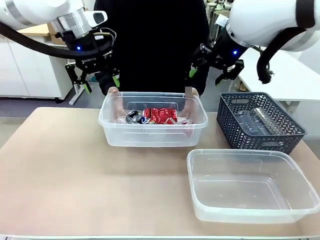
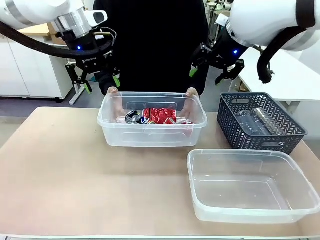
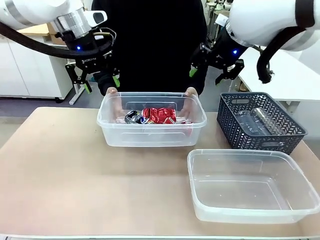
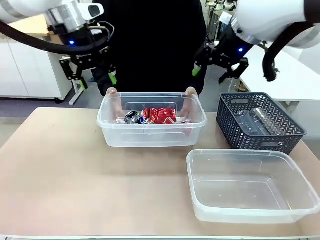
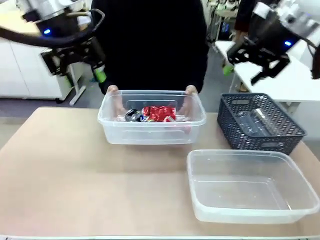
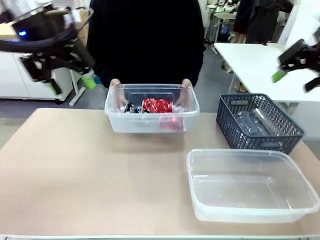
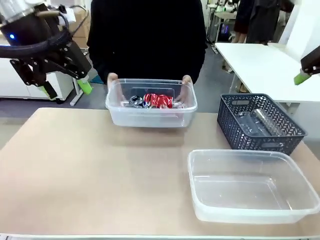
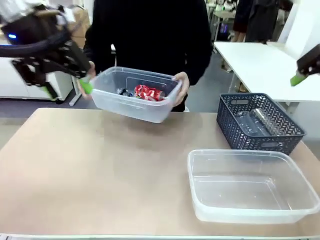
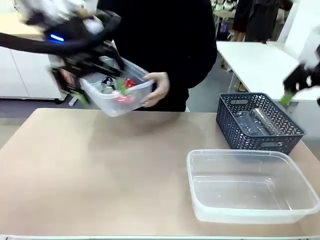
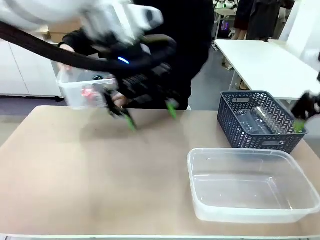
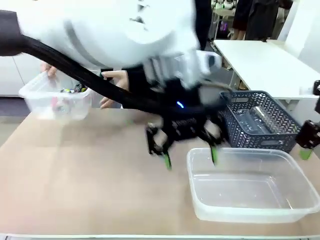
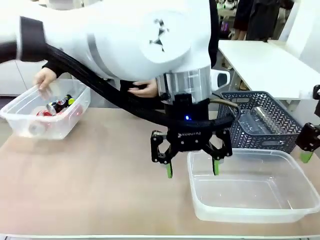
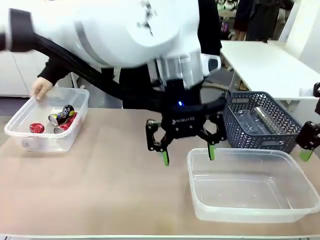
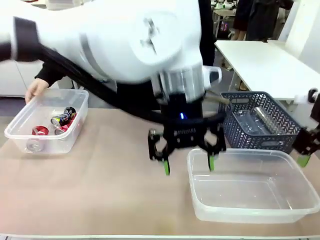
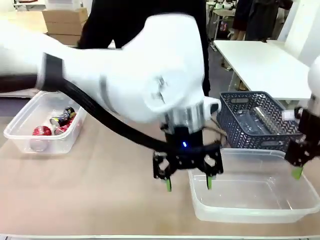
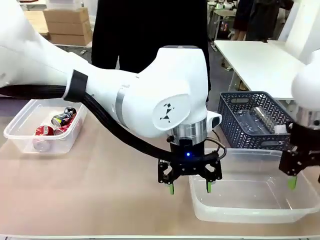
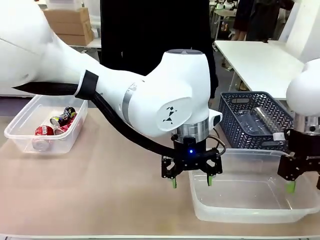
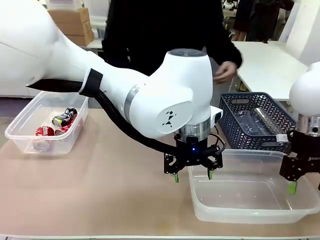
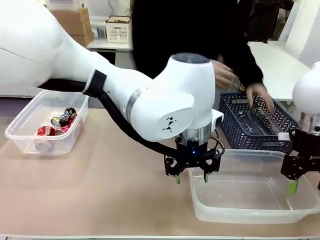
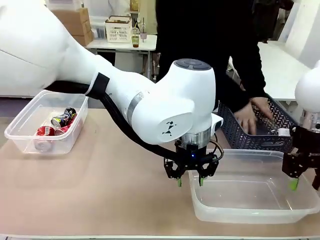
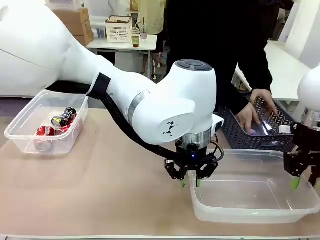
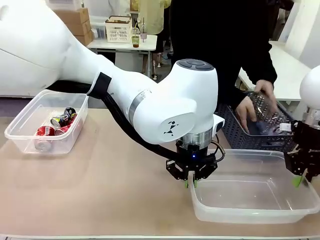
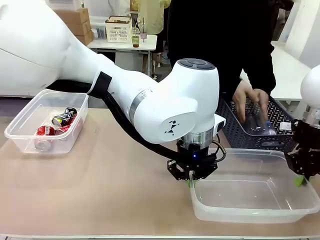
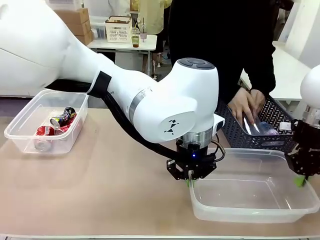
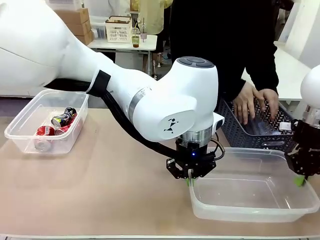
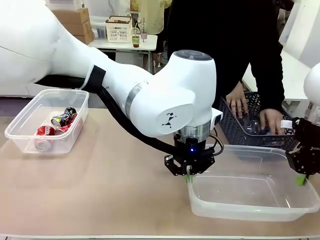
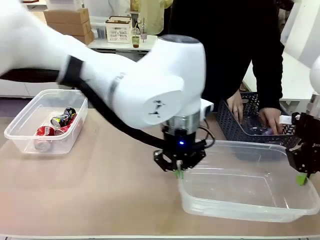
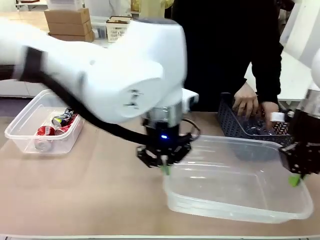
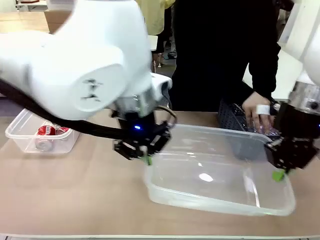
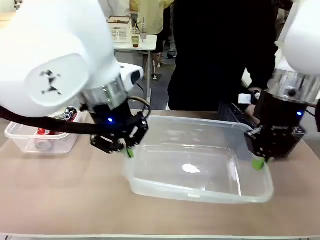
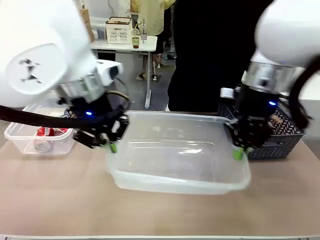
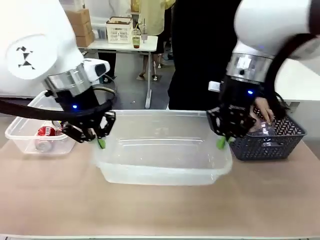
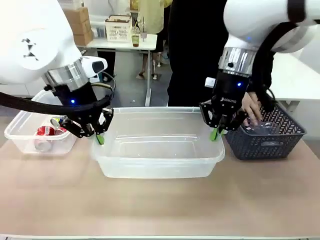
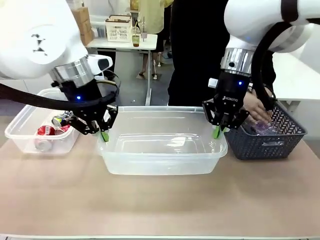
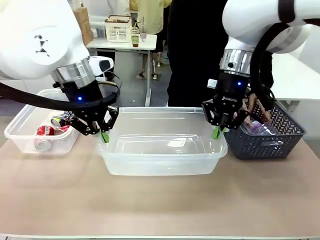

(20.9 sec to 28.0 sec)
Robot: Pick up the Organizing box on the right side of the table and lift it.
Person: Place it at the edge of the bottom right area of the robot table.

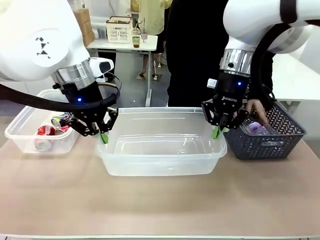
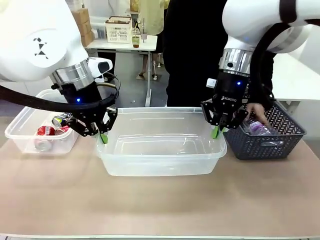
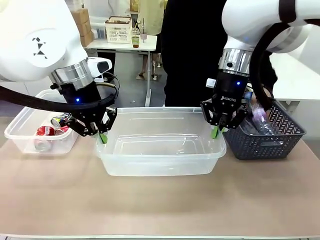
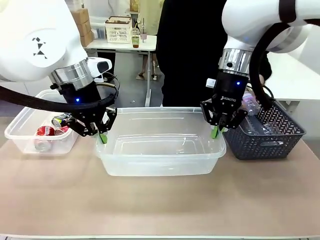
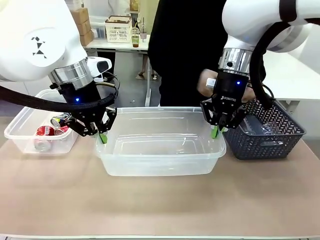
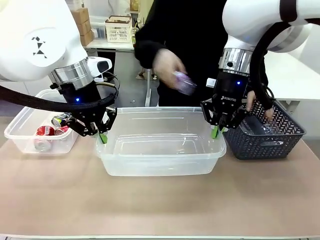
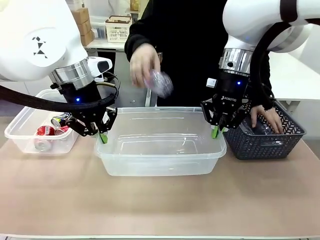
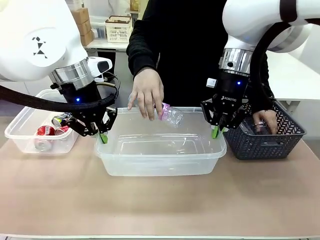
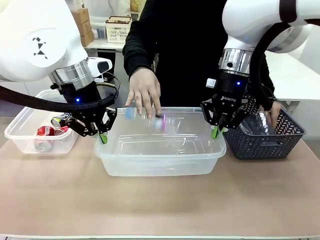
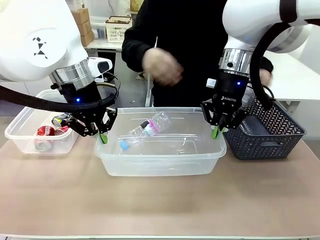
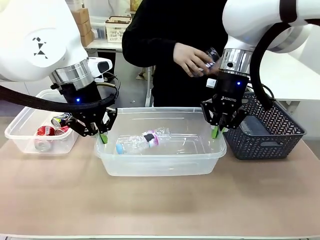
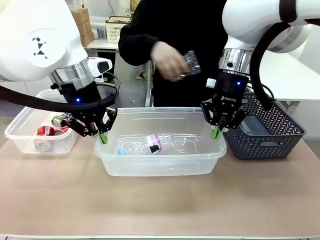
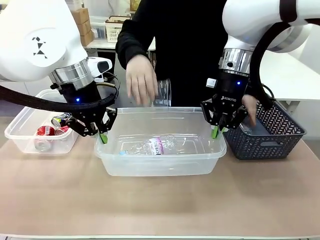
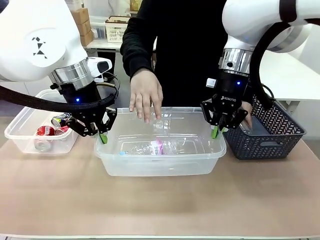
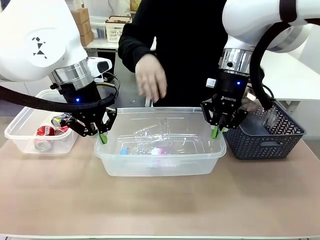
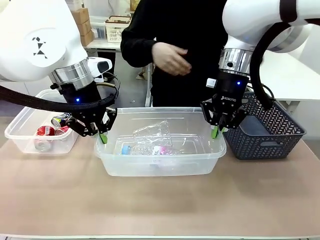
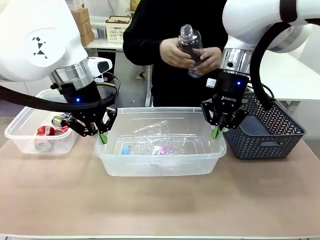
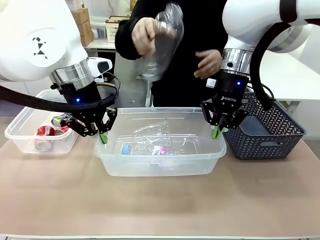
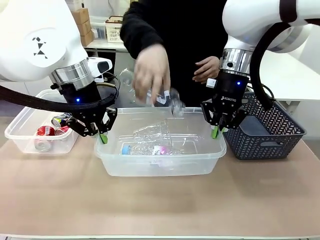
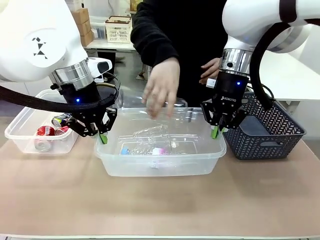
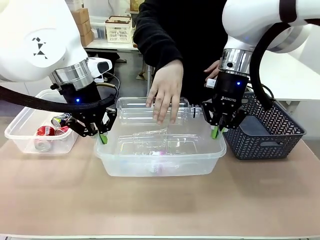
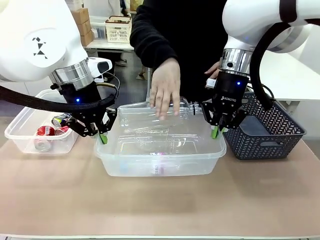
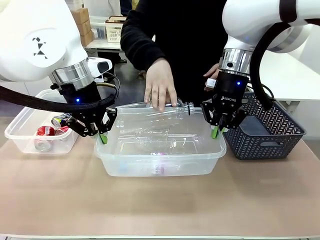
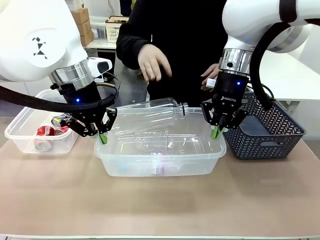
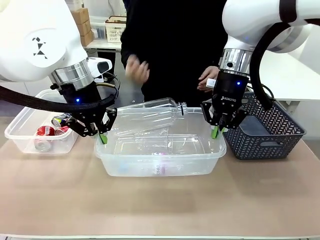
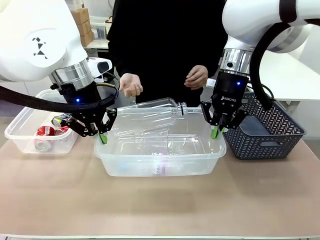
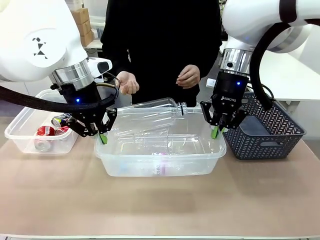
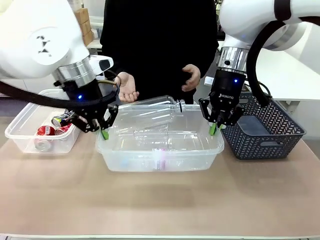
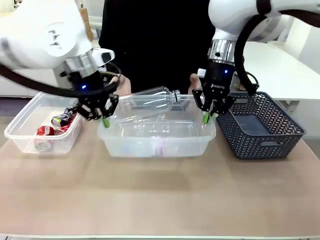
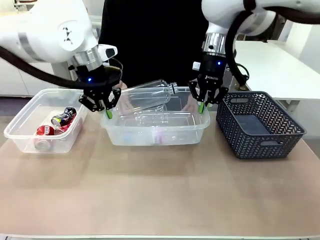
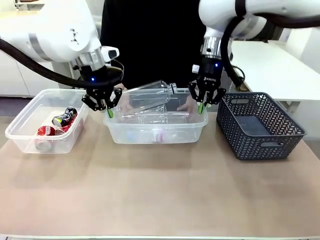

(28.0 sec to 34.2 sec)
Robot: Offer the picked Organizing box to the human.
Person: Pick up plastic waste one by one and place it into the organizing box lifted by the robot.

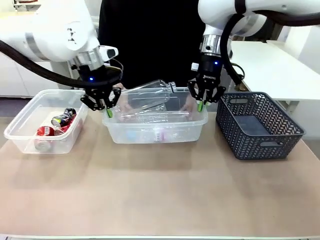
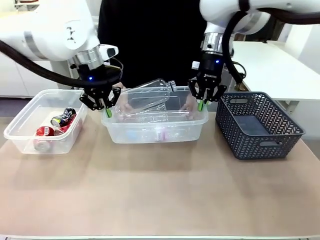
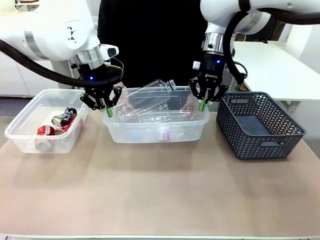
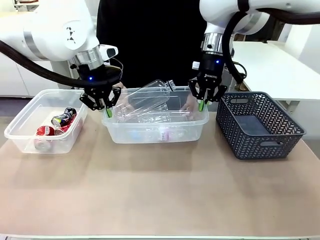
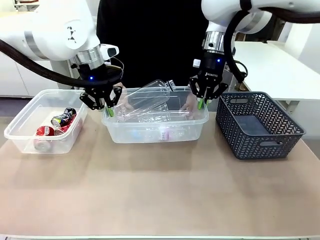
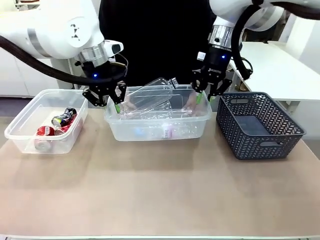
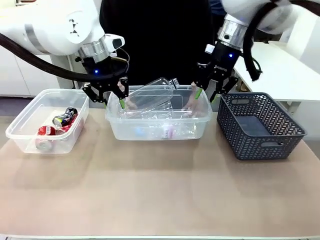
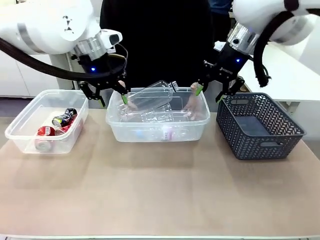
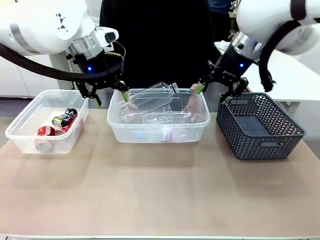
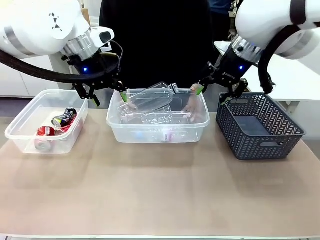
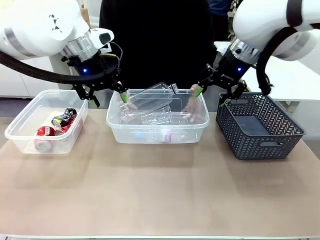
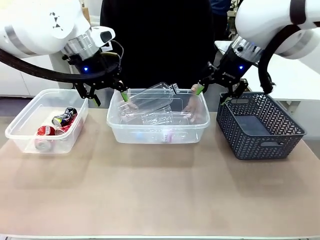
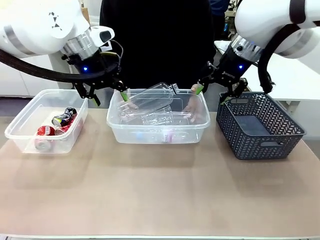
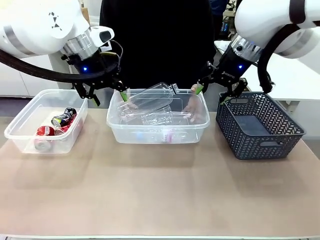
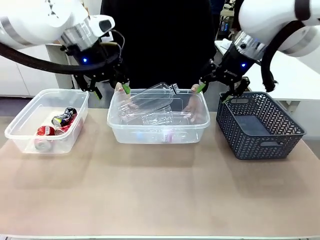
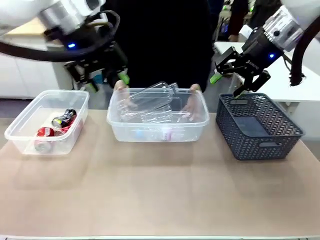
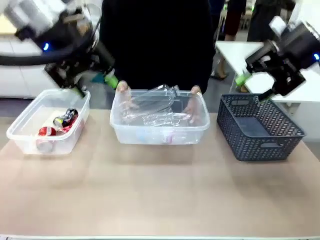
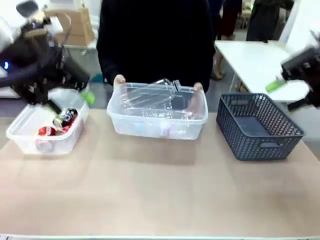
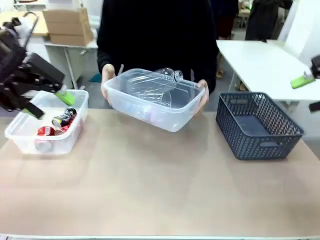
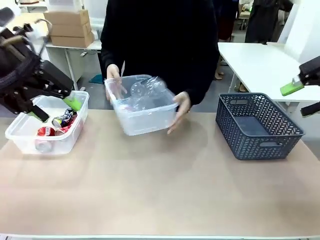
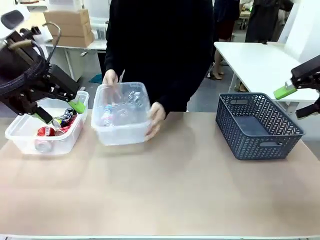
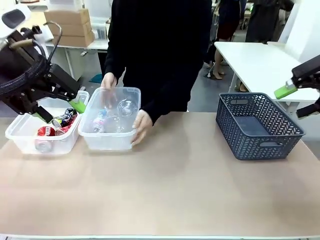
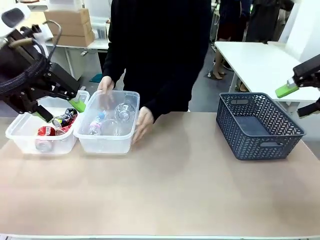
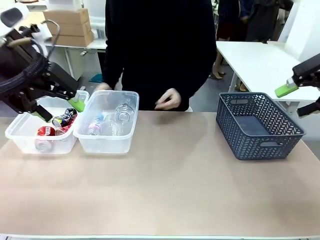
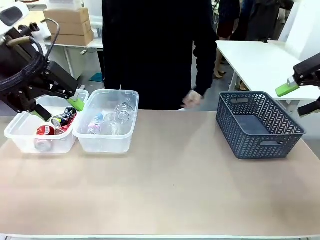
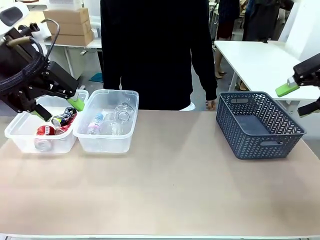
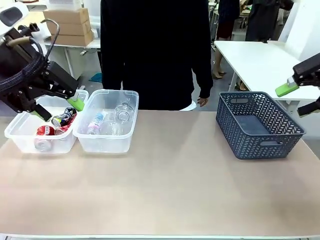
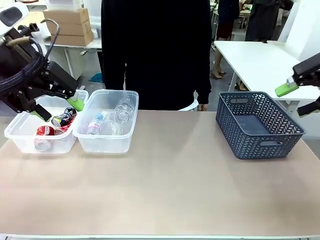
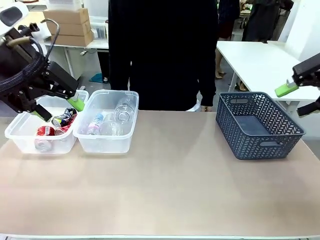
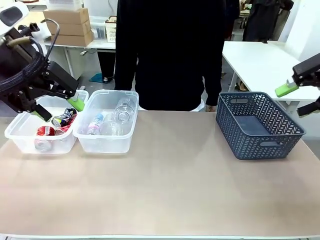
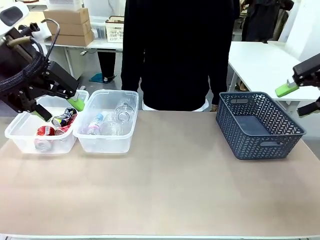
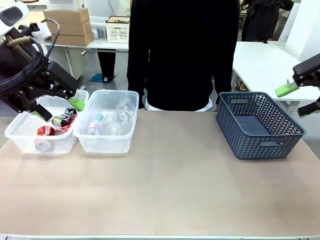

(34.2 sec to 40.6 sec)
Robot: Release the Organizing box you were holding.
Person: Pick up the organizing box extended by the robot. Place the organizing box to the left of the sorting box containing the can waste.

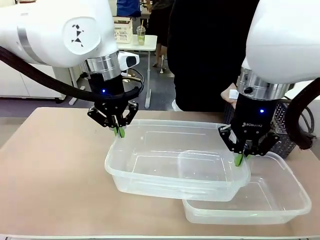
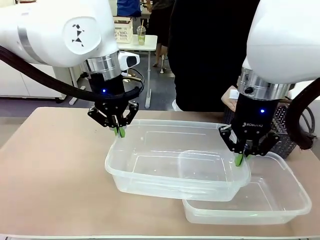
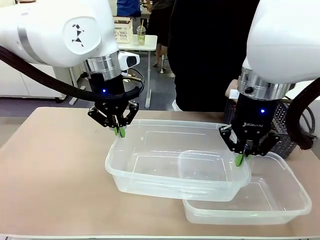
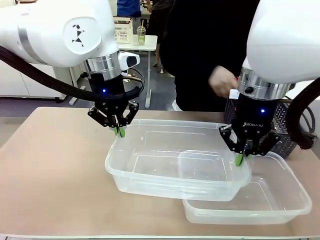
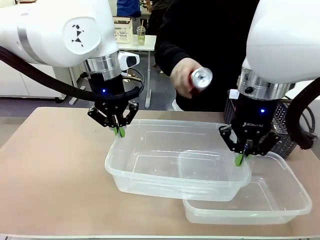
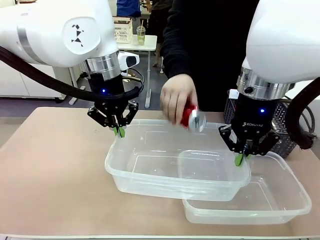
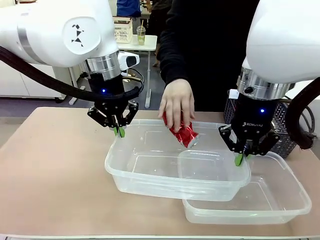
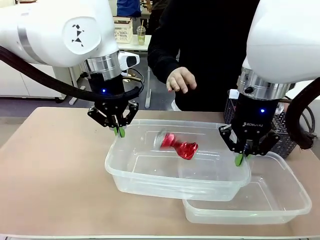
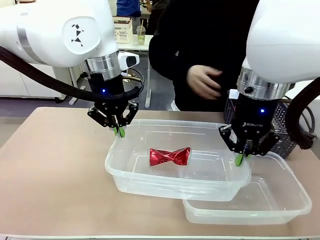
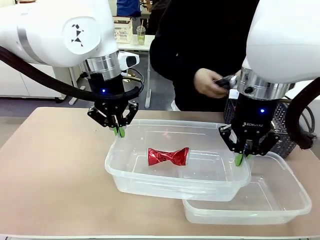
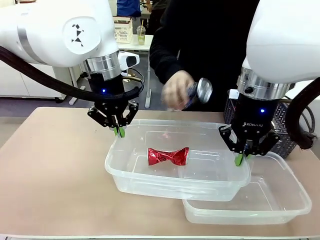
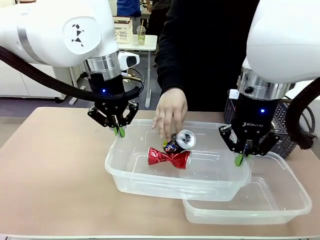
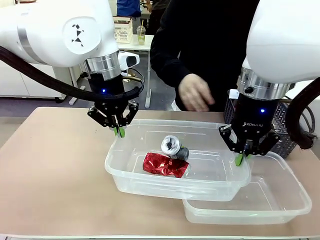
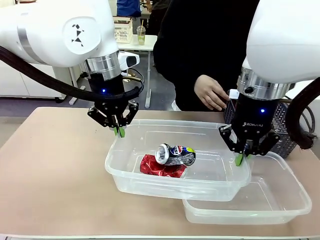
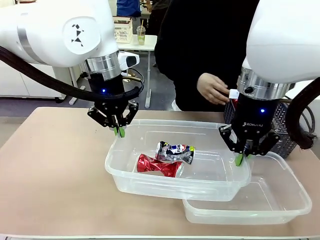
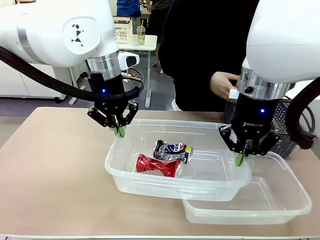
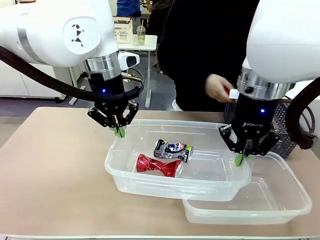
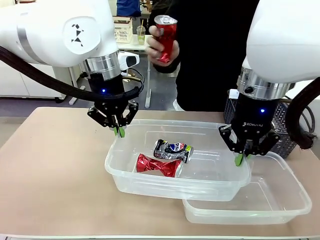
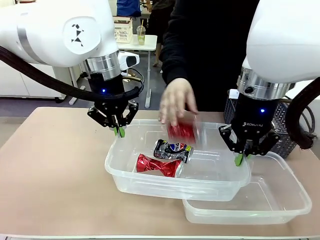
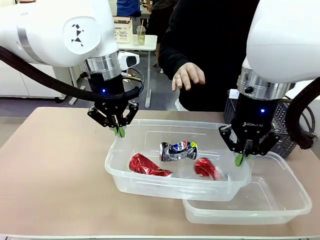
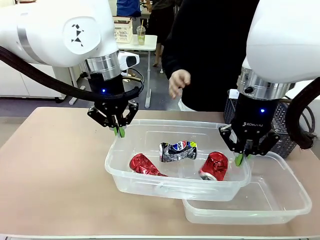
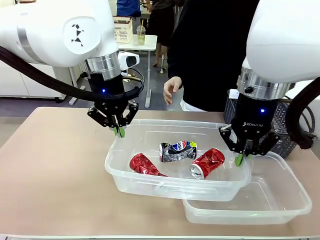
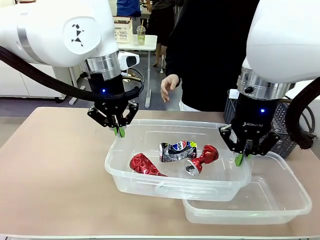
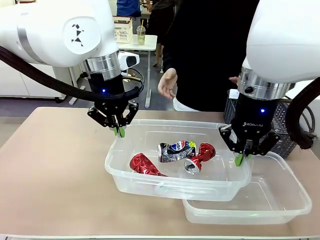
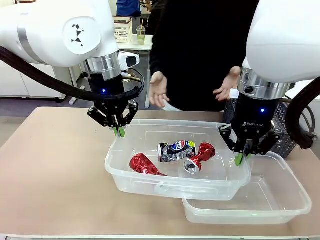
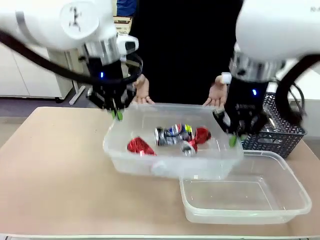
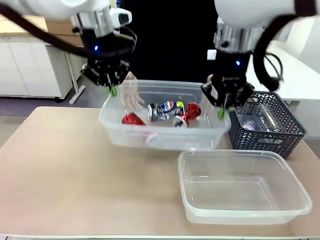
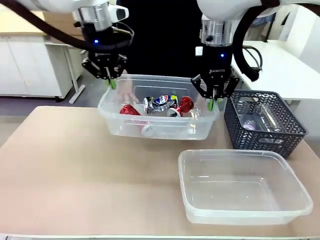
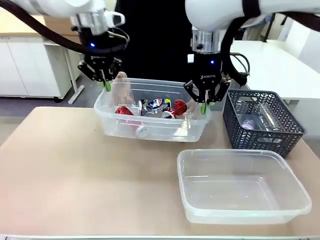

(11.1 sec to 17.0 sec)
Robot: Offer the picked Organizing box to the human.
